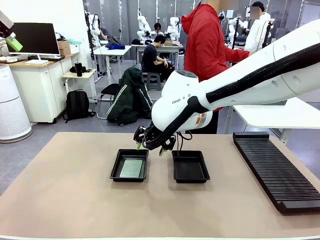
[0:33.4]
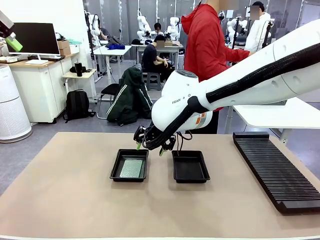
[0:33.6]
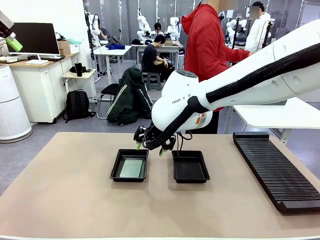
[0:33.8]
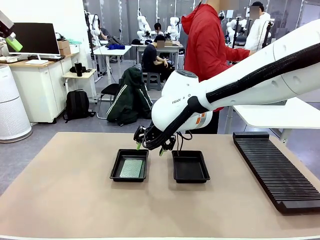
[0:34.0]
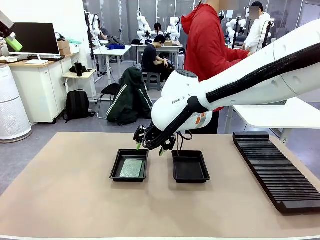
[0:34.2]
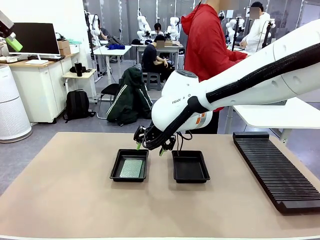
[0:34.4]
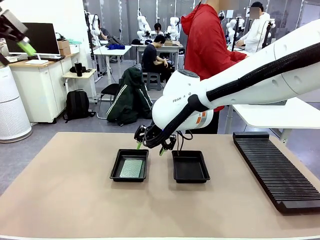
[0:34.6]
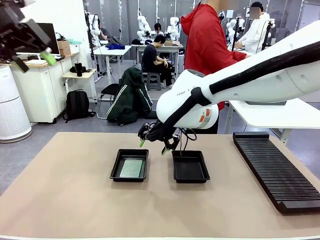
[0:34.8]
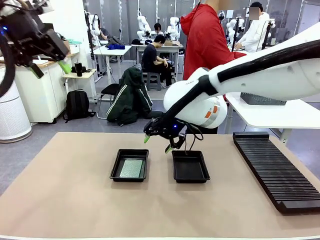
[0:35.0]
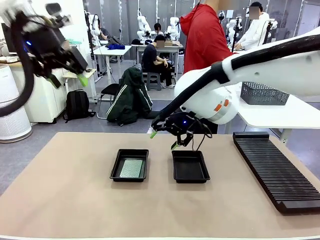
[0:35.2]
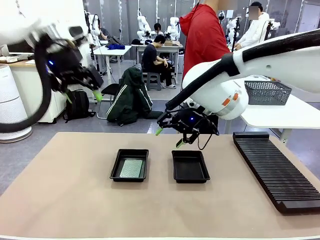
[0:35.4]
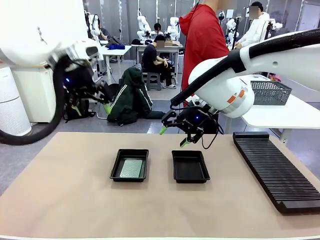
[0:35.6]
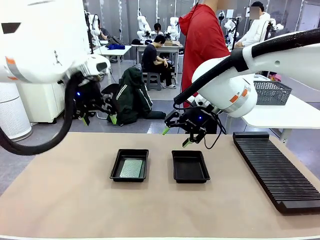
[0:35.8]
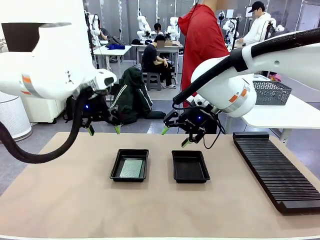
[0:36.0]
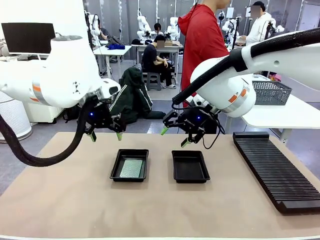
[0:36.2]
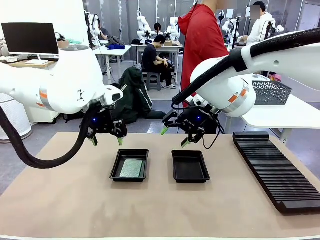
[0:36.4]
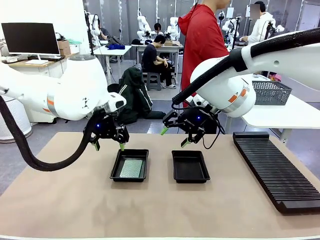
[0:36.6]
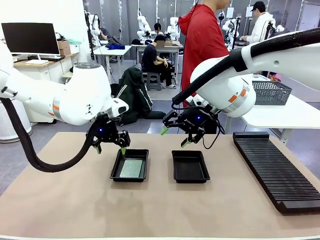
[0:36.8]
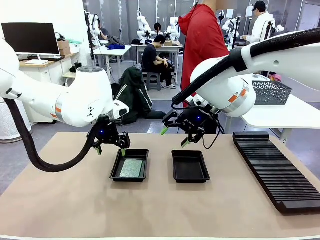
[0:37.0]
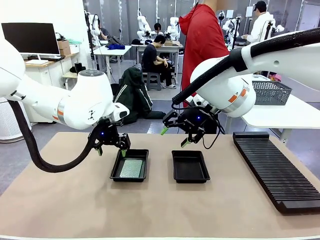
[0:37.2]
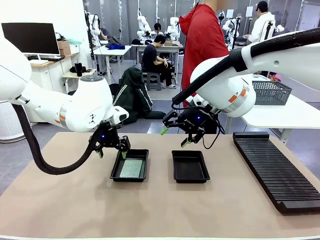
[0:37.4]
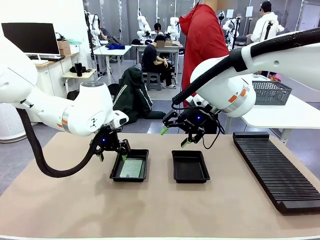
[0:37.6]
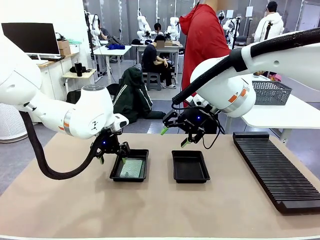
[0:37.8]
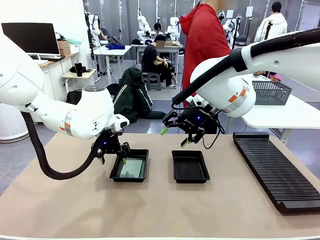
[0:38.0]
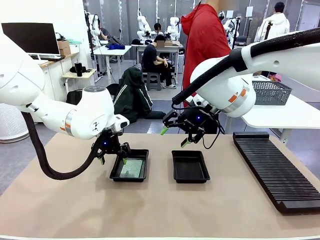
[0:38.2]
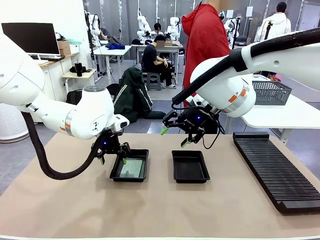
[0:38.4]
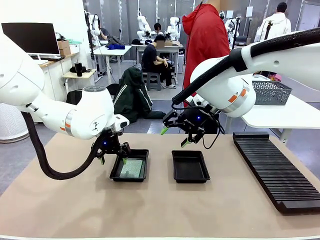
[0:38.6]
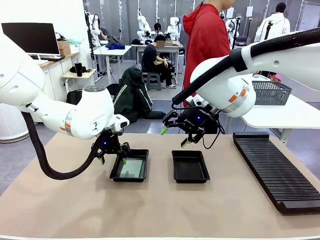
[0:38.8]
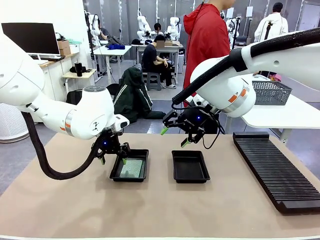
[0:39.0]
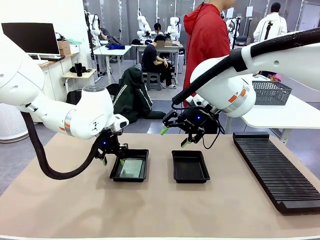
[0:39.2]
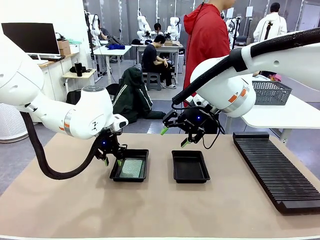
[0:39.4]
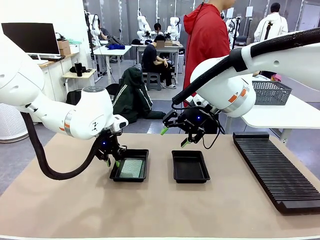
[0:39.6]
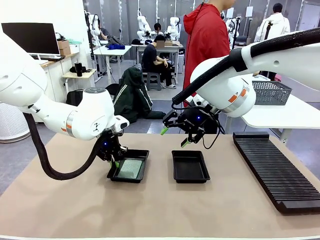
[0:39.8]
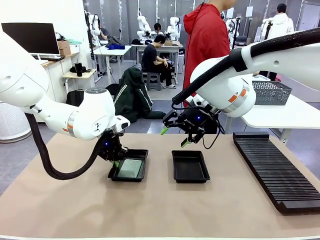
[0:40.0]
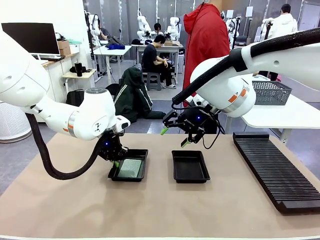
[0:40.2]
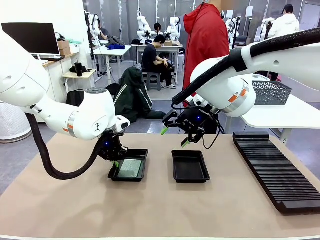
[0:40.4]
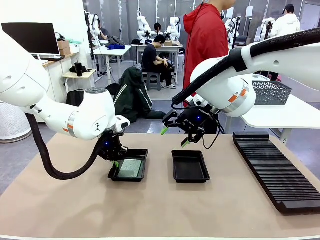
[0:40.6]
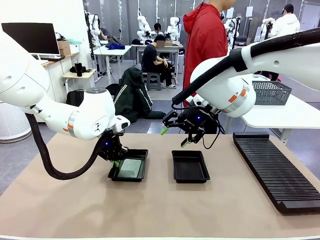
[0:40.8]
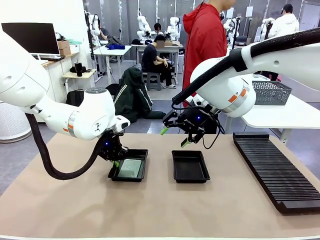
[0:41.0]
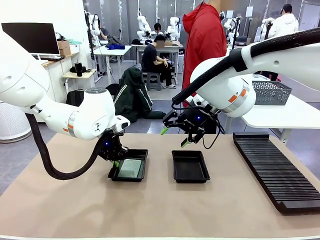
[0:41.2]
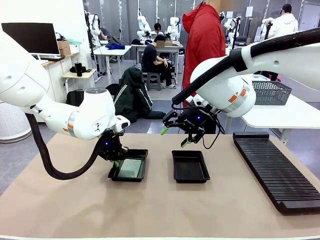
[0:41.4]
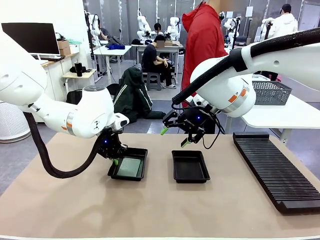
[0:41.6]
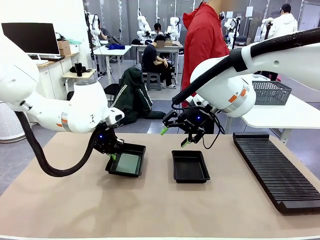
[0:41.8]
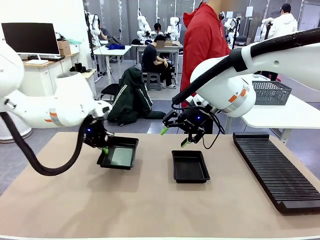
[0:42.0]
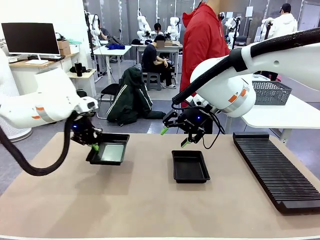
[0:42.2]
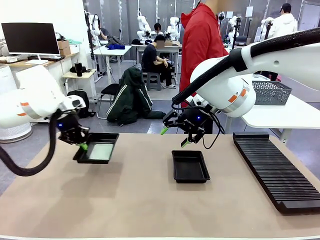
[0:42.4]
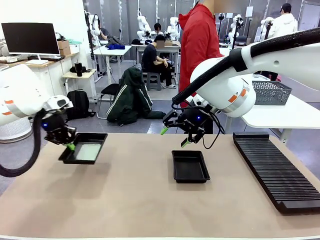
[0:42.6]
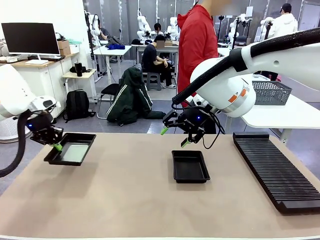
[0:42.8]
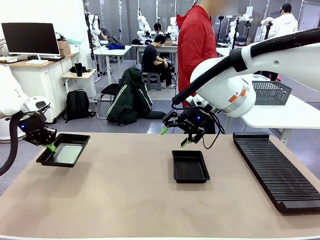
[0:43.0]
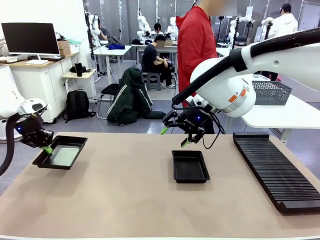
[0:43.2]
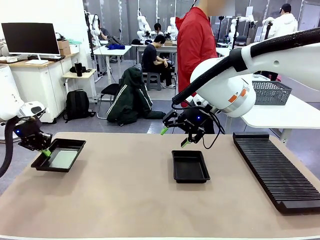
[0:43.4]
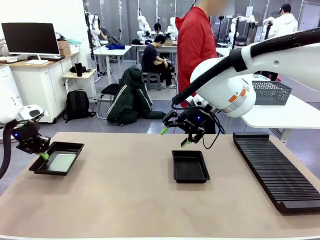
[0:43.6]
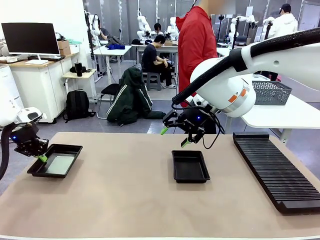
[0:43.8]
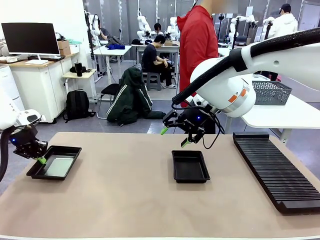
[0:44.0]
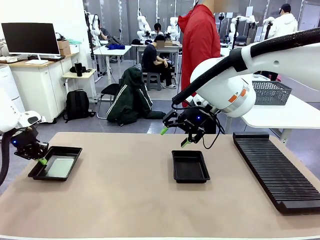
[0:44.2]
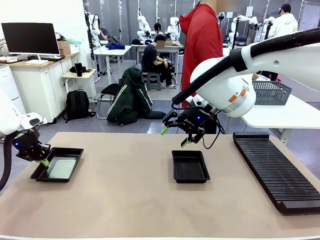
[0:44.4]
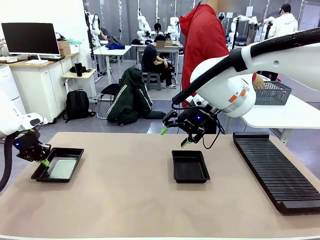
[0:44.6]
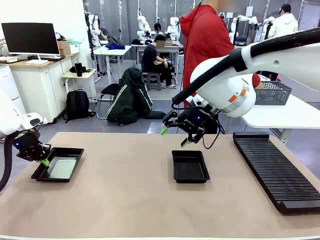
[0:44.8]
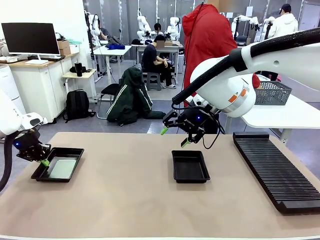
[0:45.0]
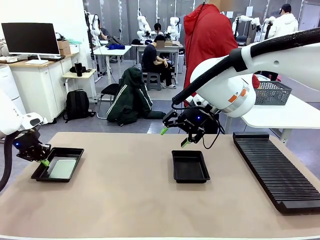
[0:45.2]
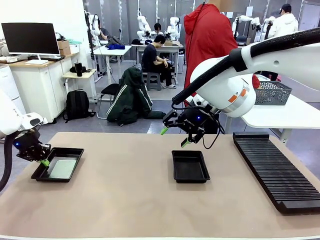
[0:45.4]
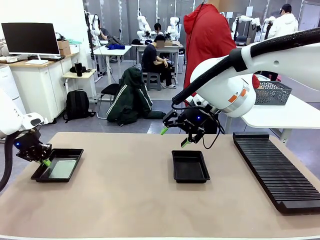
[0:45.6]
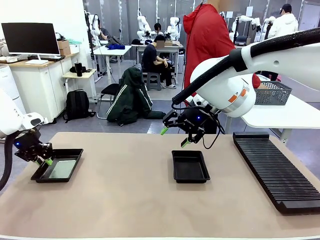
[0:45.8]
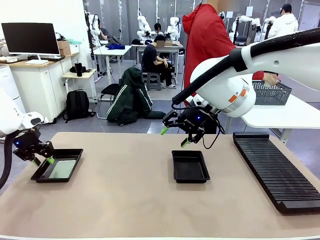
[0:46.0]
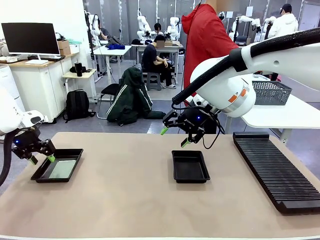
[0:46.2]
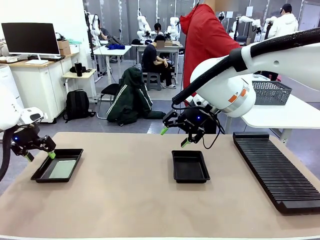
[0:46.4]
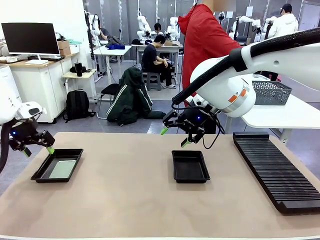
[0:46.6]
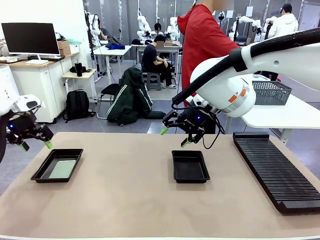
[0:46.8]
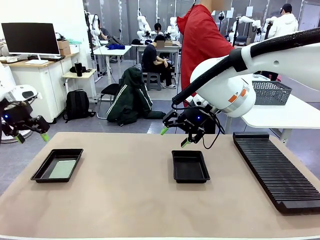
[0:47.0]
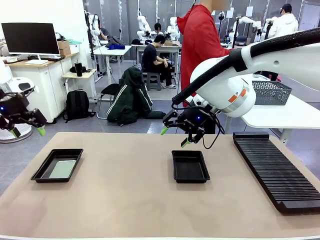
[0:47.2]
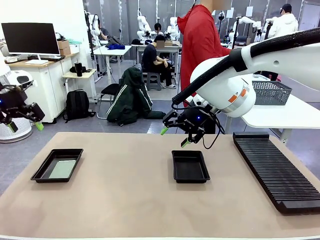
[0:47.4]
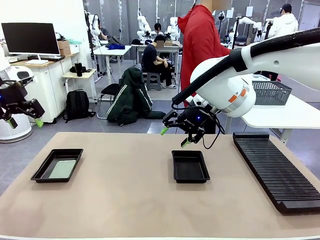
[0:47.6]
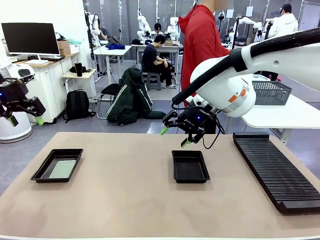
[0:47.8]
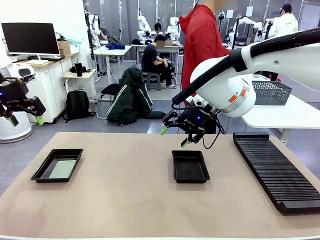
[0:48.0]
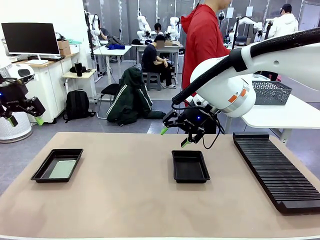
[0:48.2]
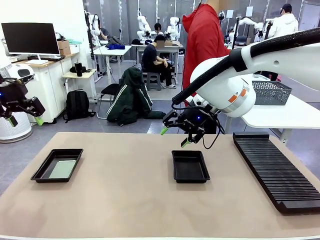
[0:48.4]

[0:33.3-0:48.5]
Task: Inspect and transfer BCBs to ESD trays.
Robot: Pick up the ESD tray and place it on the left side of the table.

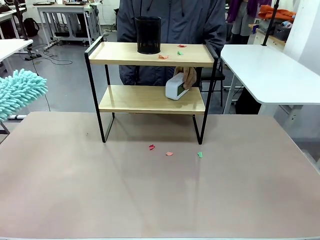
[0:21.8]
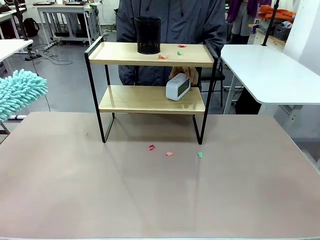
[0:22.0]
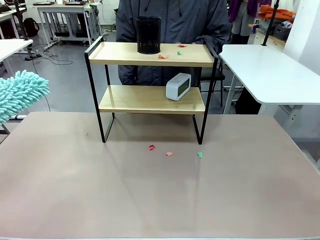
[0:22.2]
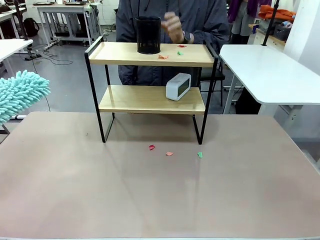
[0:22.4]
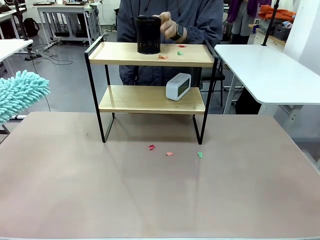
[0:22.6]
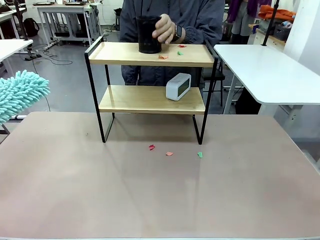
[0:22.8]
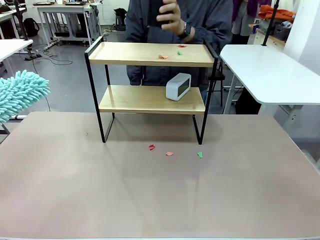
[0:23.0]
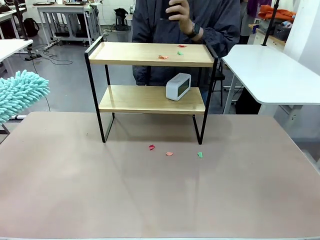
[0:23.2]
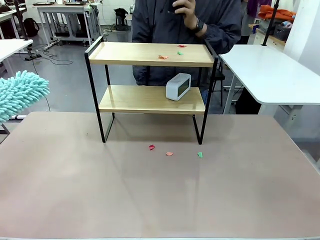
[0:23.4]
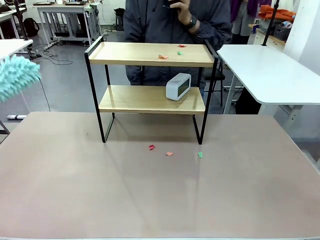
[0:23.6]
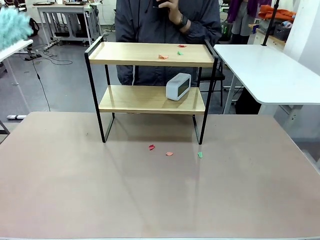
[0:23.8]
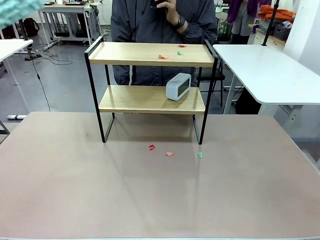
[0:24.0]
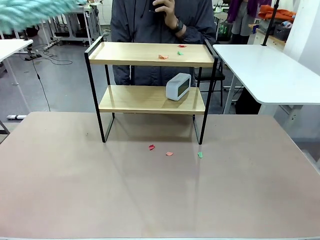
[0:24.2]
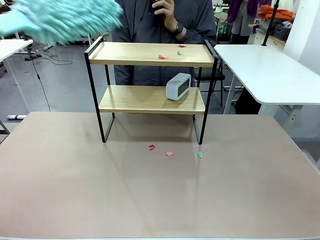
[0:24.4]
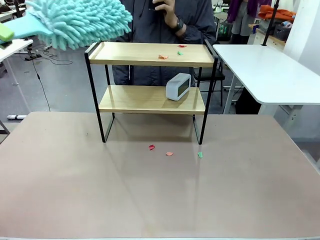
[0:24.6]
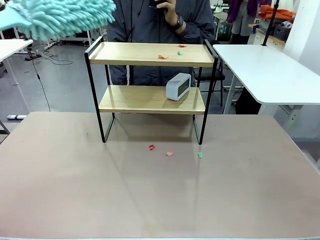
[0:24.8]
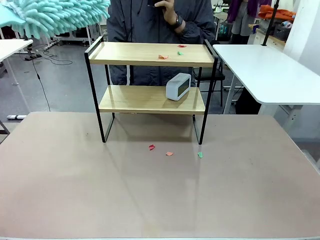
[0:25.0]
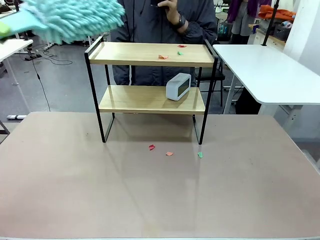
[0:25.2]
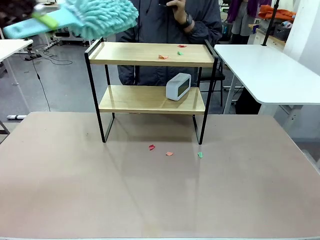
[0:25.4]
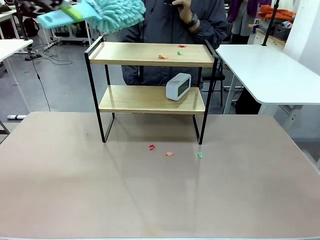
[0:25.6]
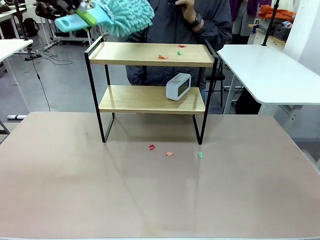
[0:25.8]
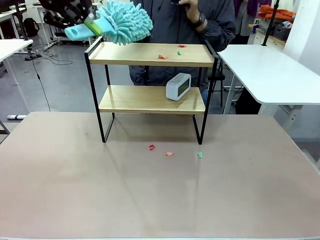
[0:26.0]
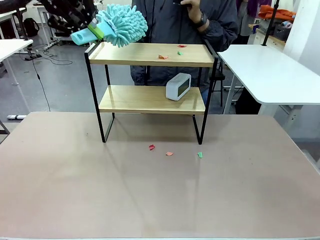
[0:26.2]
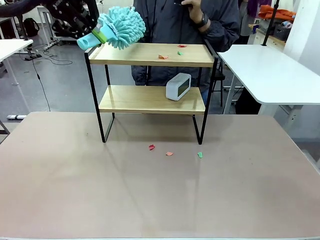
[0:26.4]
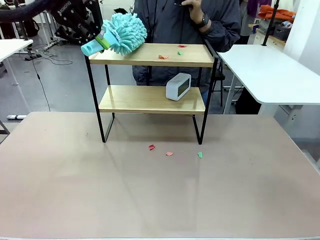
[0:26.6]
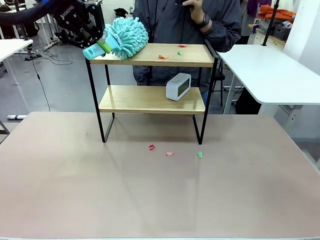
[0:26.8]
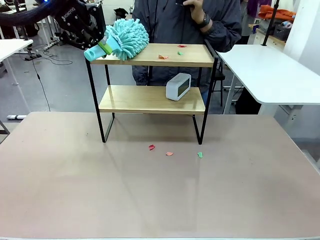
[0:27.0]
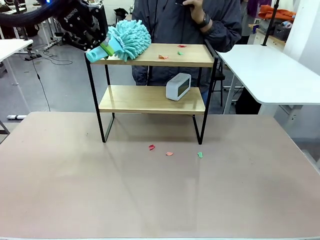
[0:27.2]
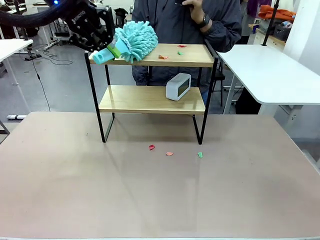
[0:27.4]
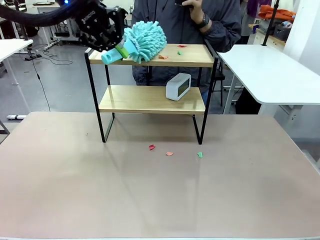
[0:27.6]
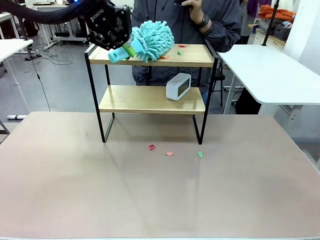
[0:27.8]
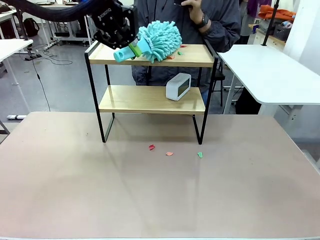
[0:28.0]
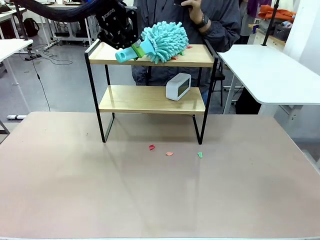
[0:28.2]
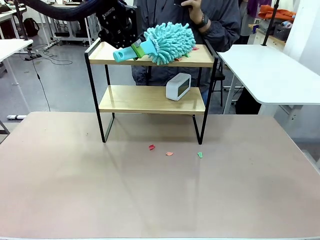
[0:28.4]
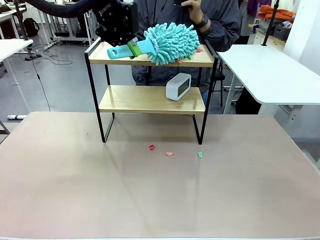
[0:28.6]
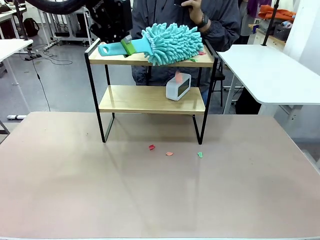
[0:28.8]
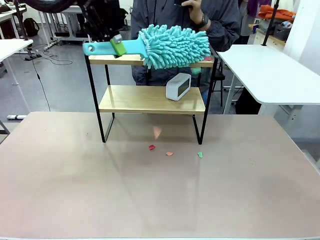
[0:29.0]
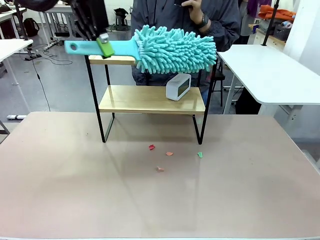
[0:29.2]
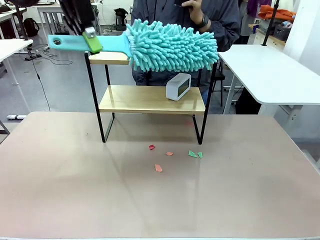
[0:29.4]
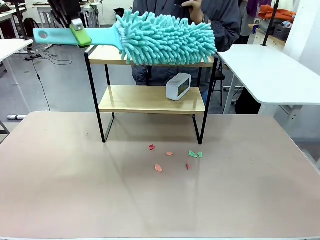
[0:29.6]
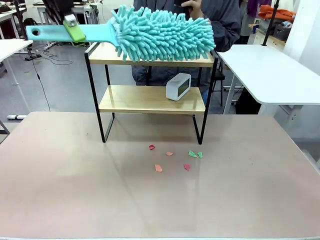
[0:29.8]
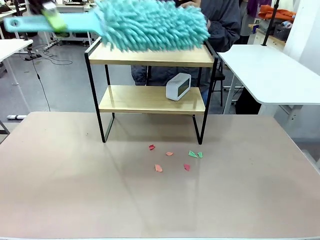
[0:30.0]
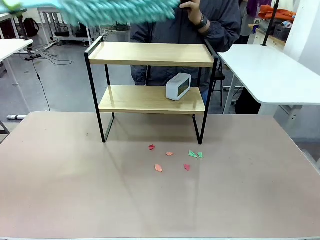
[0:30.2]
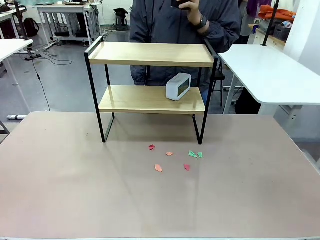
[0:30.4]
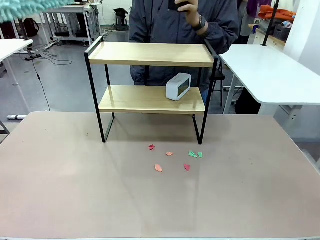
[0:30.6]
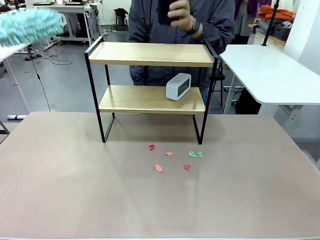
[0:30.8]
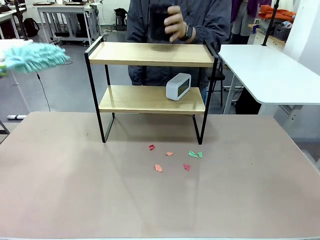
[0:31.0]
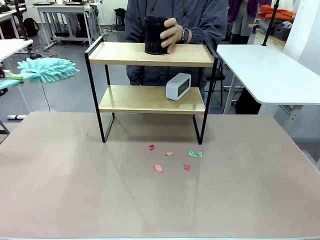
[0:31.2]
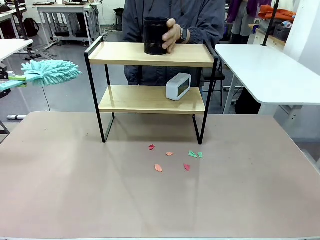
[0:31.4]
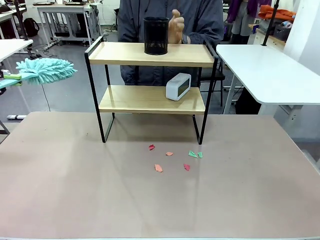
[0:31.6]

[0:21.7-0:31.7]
Task: Clean the shelf.
Robot: Clean the remaining tier of the Shelf with the Duster once objects are removed.
